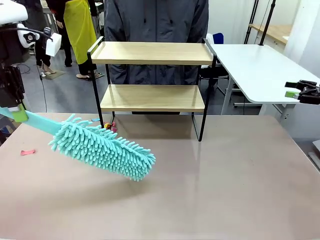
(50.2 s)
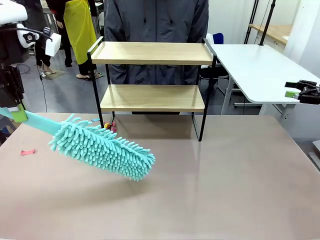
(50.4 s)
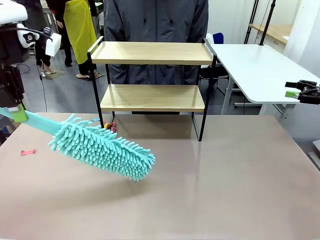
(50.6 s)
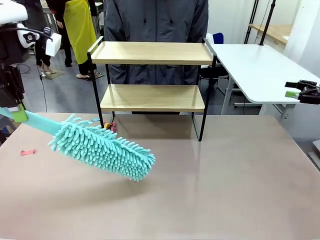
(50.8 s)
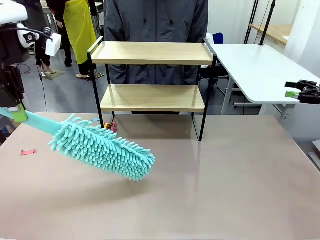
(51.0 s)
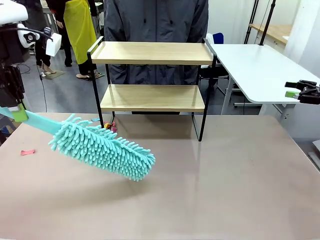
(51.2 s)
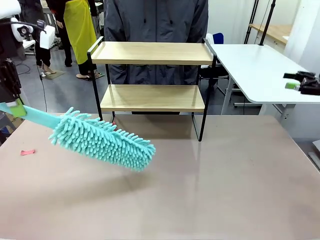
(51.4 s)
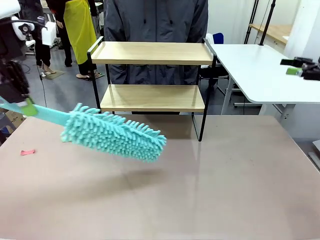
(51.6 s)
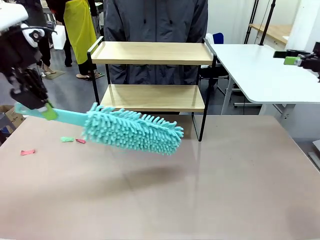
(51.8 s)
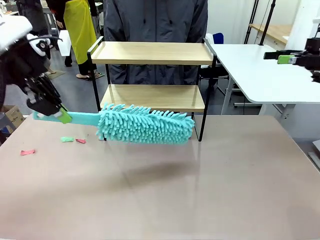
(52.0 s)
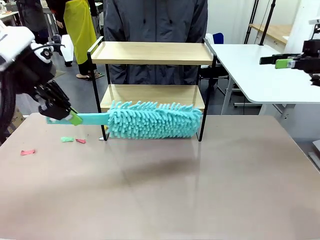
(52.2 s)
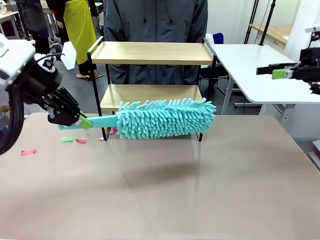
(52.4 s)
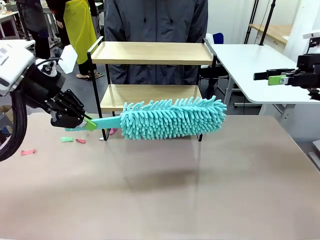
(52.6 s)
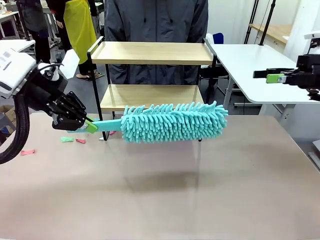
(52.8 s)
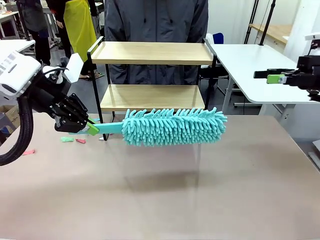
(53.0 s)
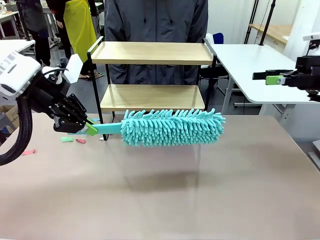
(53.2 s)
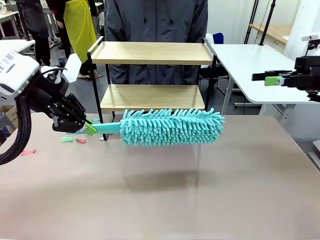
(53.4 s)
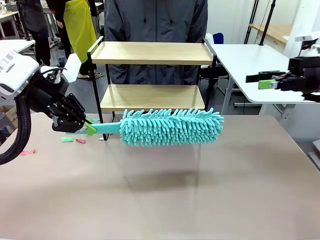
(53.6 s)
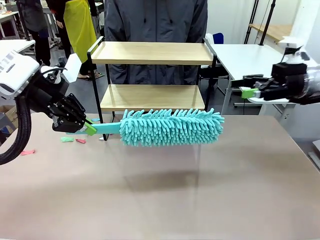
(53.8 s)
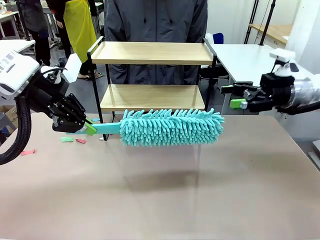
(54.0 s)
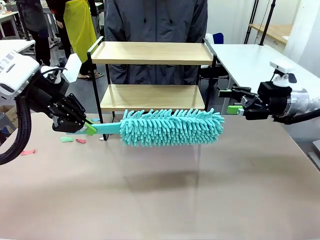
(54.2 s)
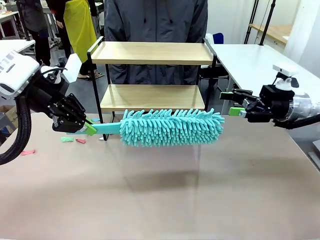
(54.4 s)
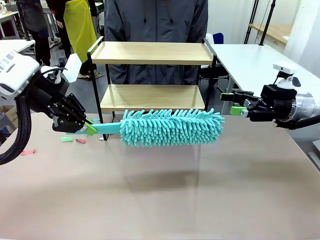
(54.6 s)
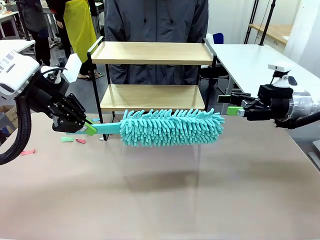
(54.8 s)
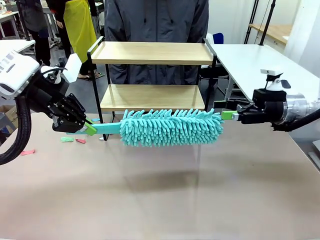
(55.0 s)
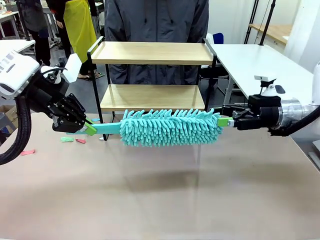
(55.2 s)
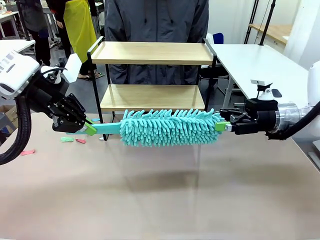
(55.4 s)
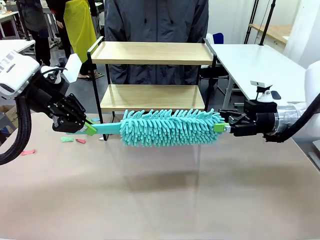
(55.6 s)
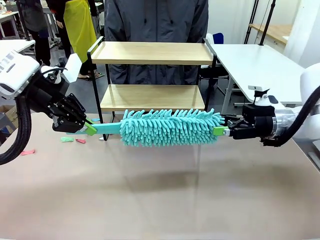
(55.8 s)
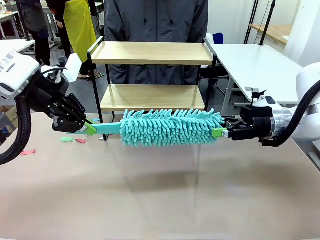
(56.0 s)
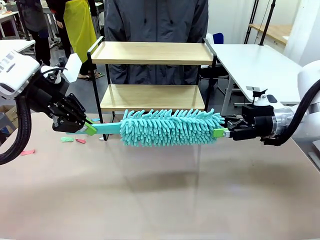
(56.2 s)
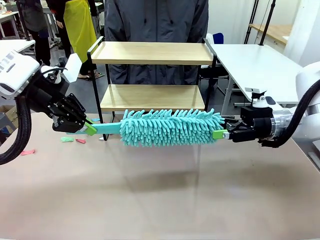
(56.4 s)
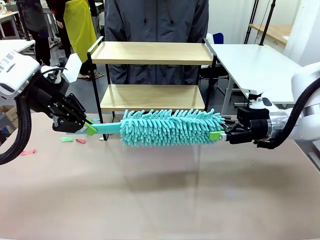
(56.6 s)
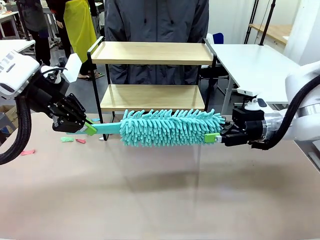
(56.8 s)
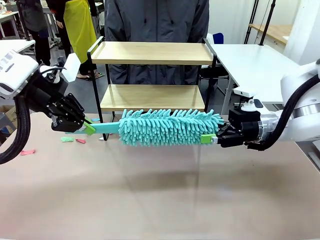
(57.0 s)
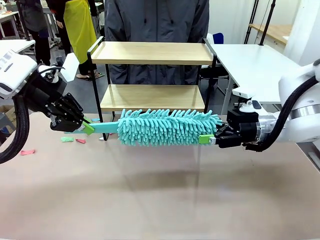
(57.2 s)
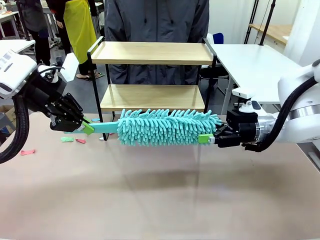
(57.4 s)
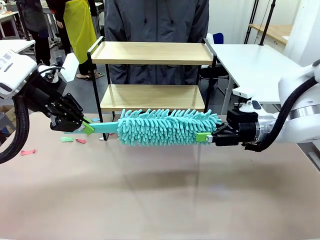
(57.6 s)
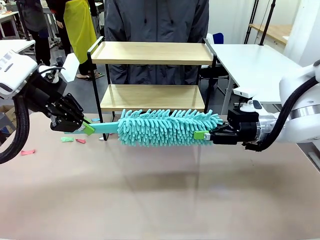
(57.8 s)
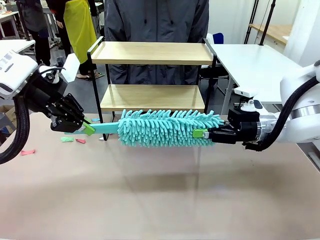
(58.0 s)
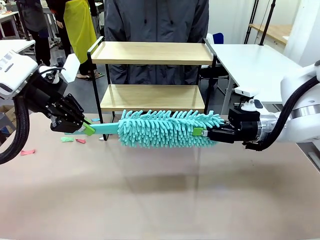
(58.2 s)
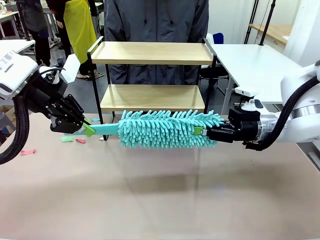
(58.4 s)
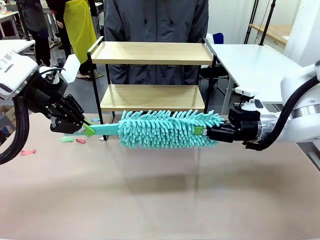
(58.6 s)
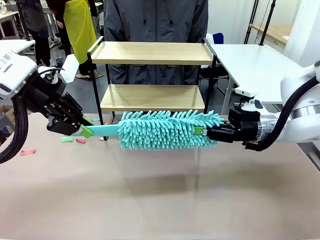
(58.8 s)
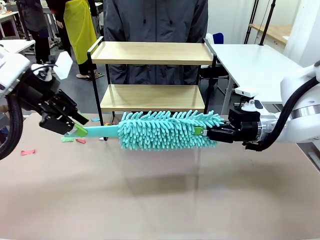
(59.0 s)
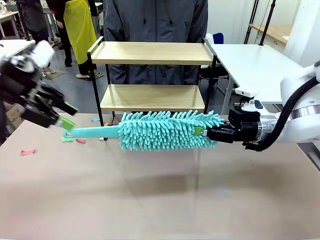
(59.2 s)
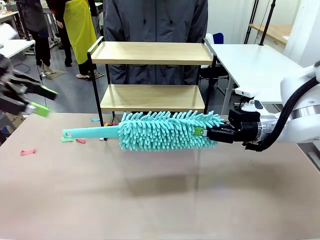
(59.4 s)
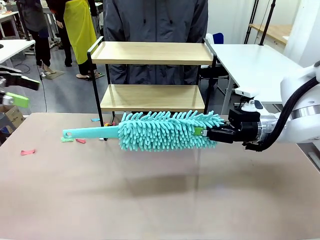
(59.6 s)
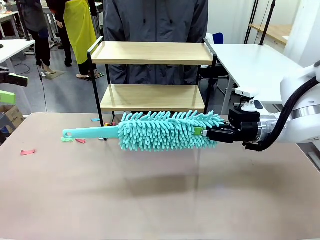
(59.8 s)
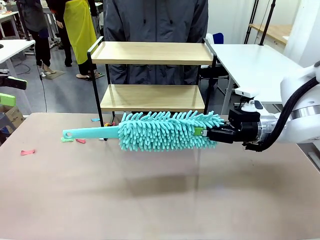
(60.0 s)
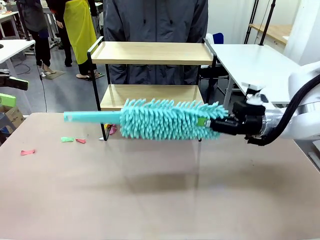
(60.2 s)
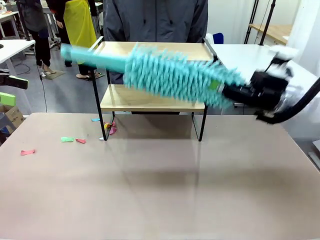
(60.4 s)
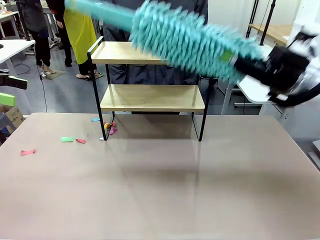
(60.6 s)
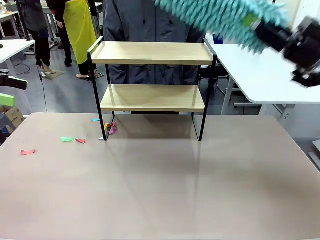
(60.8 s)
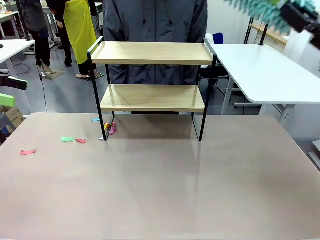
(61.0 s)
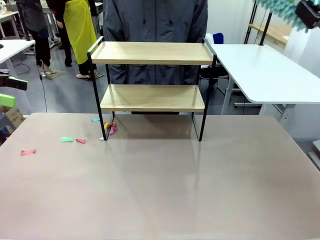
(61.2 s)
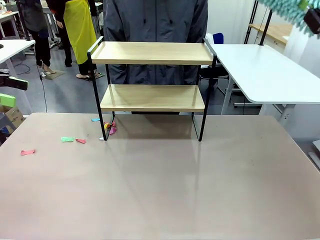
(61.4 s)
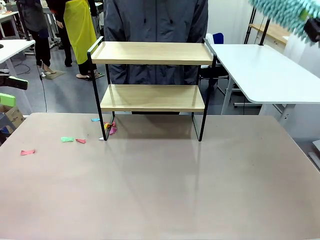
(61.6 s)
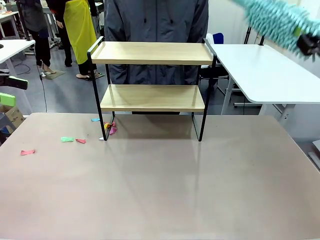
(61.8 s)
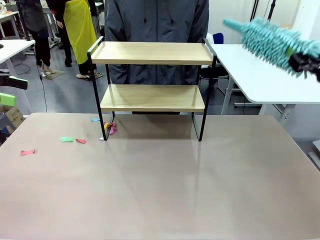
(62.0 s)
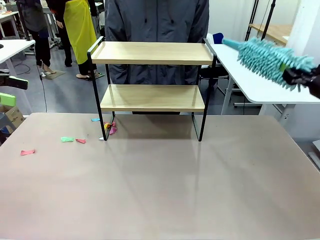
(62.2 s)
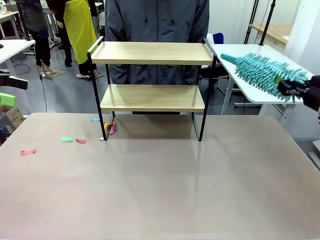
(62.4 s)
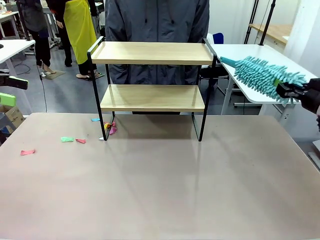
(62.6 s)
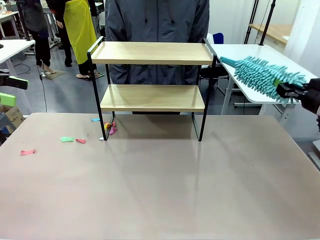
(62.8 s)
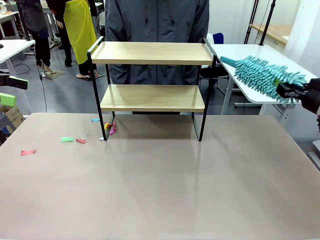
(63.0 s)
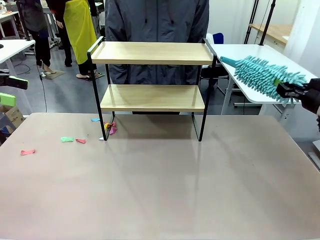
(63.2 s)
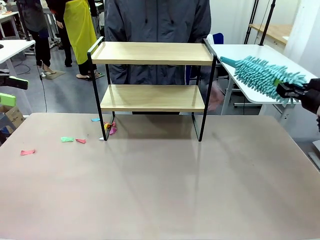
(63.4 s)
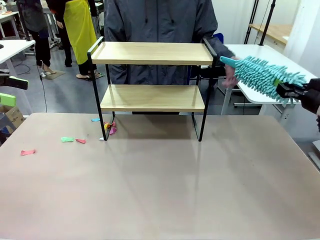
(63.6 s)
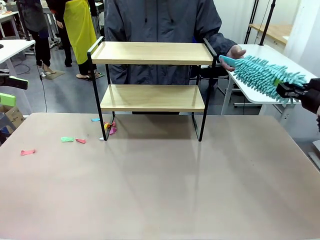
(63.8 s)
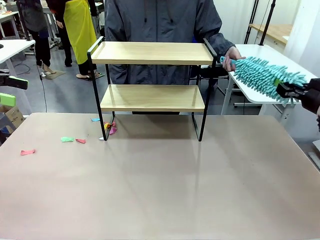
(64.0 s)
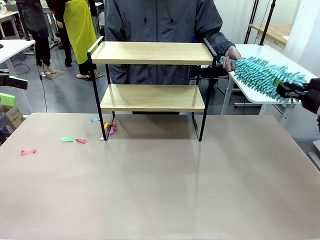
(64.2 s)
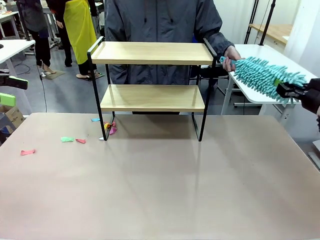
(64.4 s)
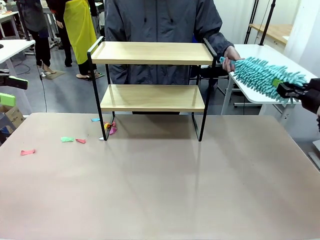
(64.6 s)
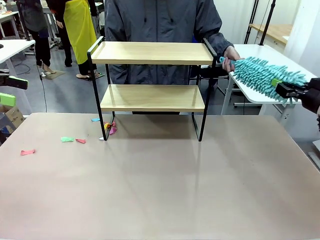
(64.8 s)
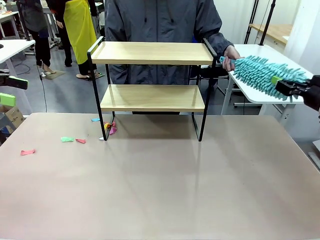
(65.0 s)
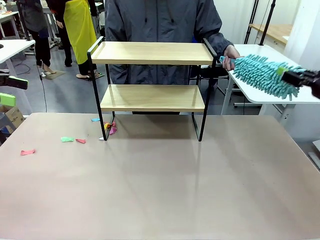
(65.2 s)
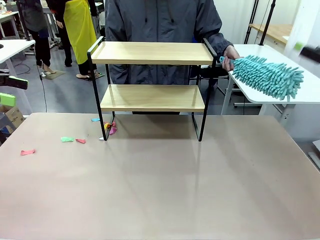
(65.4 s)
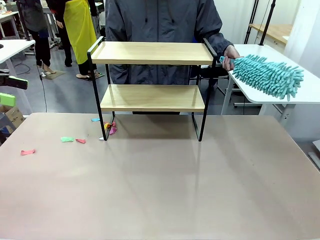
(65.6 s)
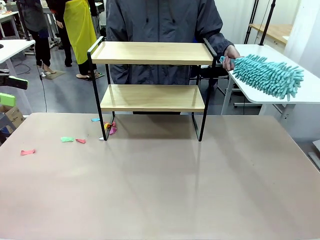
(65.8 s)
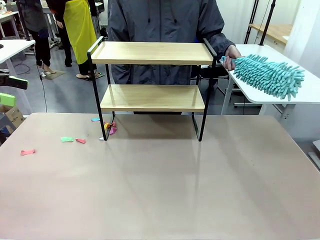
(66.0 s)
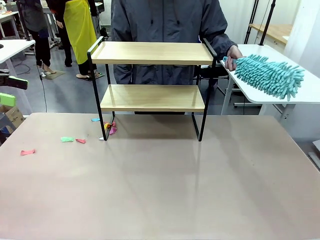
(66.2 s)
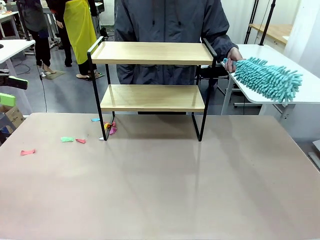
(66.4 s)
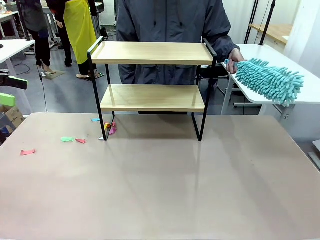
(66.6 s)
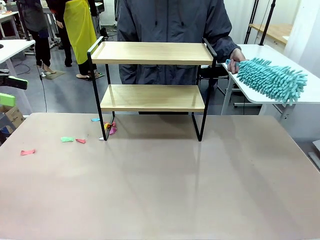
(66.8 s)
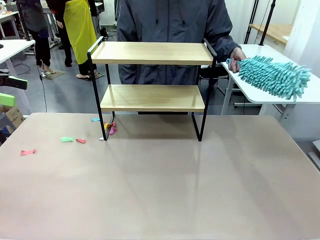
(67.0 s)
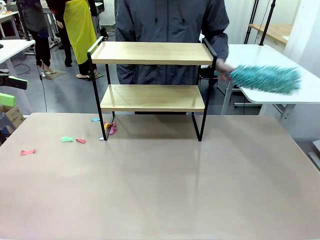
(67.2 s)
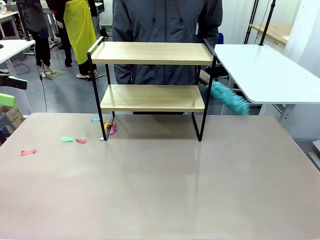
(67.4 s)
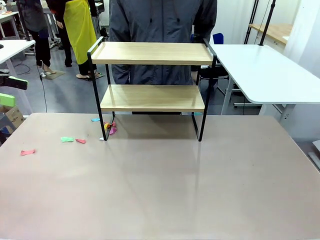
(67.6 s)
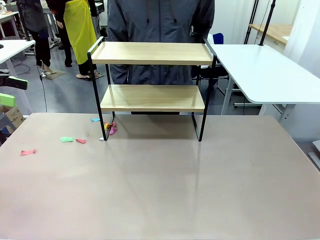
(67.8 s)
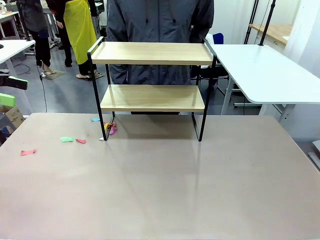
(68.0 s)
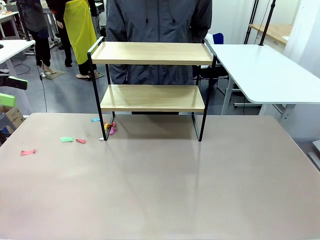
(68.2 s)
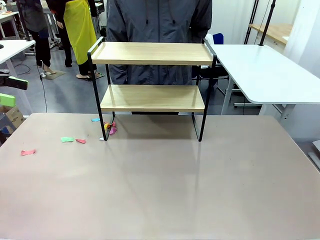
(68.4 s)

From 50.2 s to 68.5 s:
Task: Clean the shelf.
Robot: Hand the Duster back to the human.
Person: Receive the Duster from the robot.
